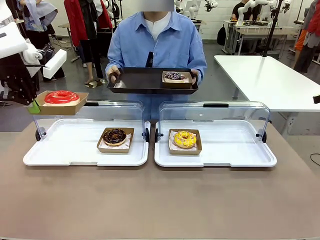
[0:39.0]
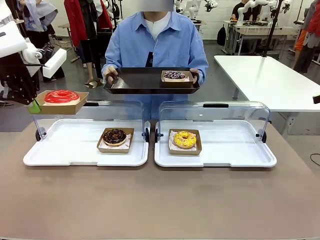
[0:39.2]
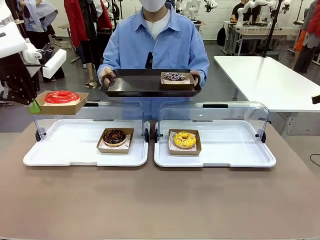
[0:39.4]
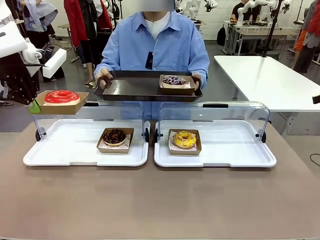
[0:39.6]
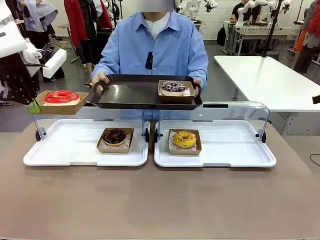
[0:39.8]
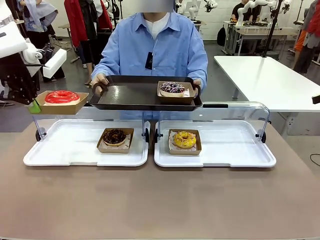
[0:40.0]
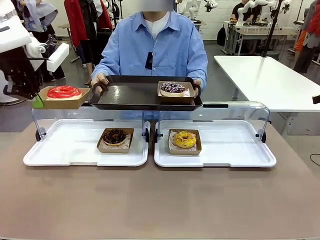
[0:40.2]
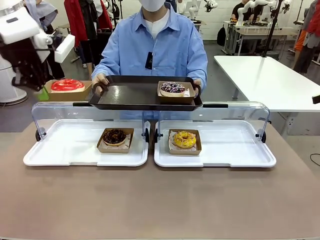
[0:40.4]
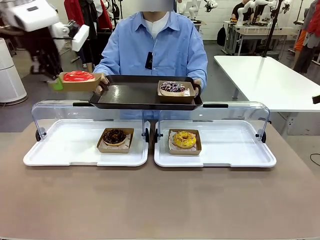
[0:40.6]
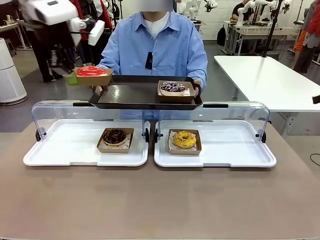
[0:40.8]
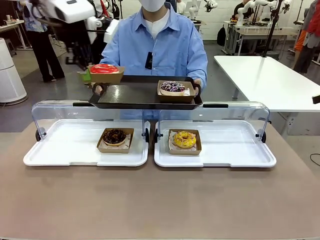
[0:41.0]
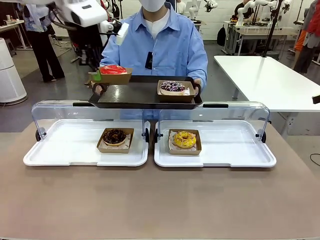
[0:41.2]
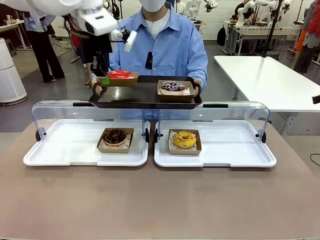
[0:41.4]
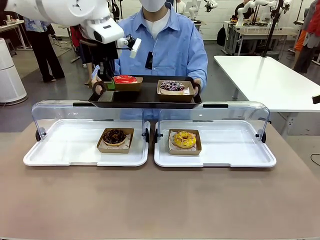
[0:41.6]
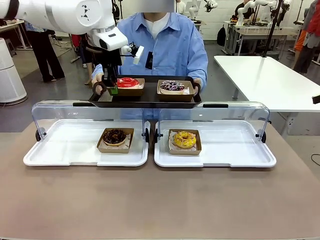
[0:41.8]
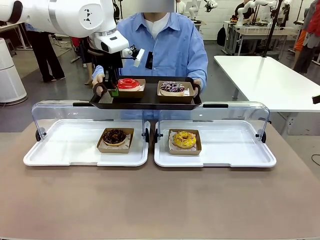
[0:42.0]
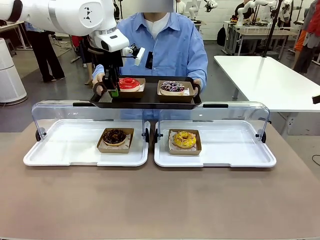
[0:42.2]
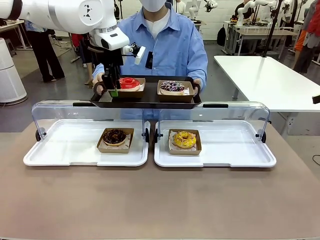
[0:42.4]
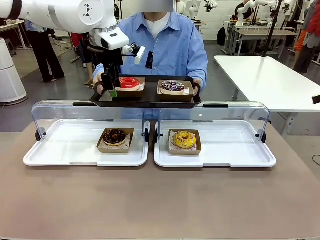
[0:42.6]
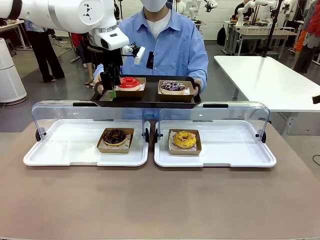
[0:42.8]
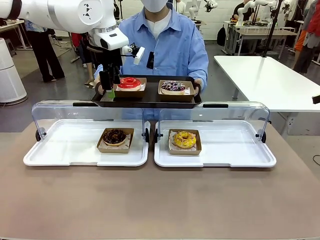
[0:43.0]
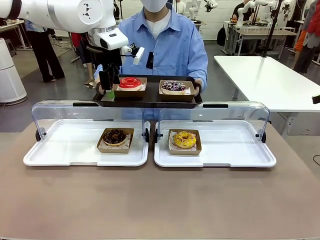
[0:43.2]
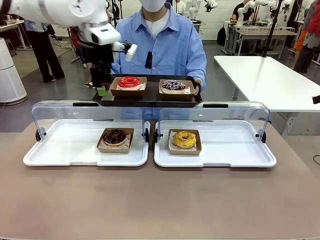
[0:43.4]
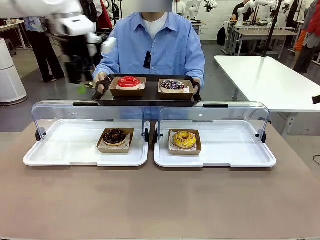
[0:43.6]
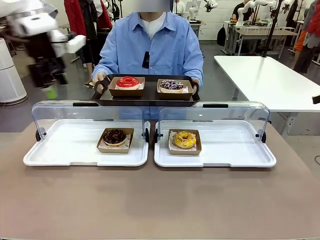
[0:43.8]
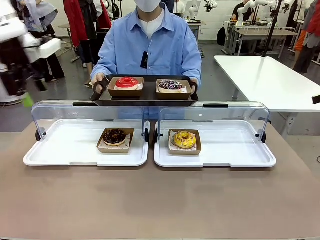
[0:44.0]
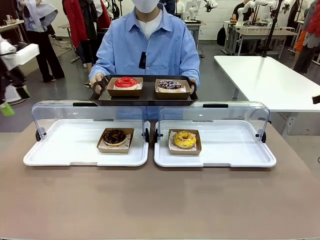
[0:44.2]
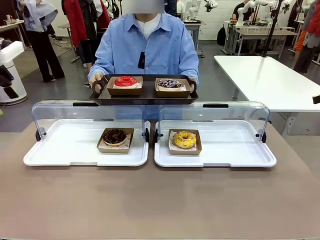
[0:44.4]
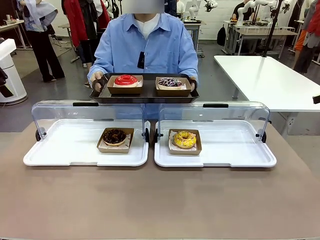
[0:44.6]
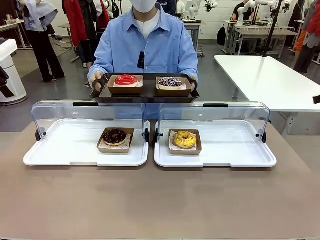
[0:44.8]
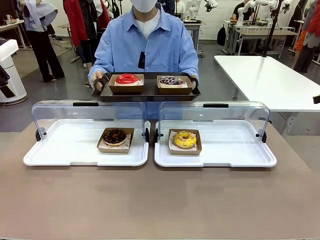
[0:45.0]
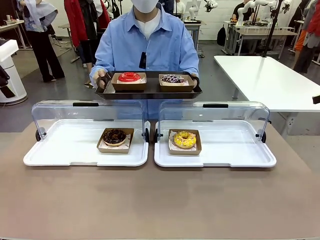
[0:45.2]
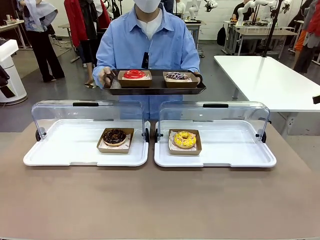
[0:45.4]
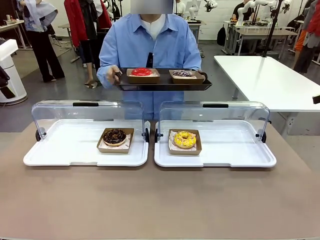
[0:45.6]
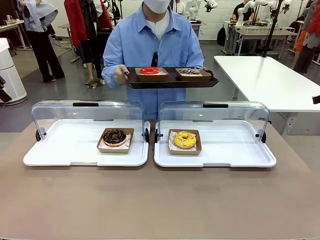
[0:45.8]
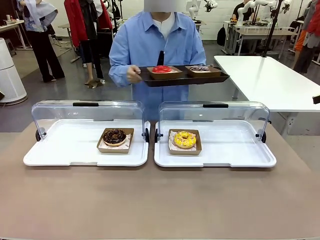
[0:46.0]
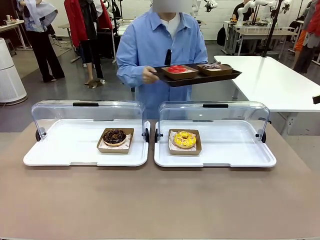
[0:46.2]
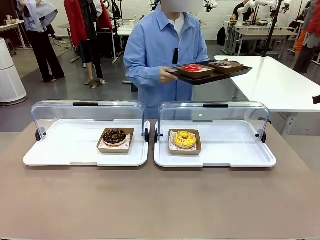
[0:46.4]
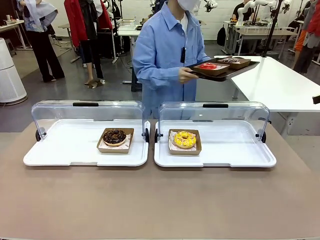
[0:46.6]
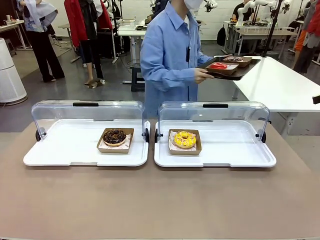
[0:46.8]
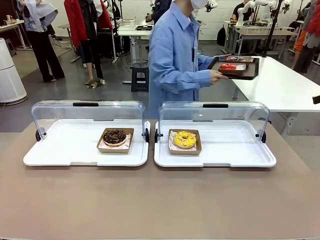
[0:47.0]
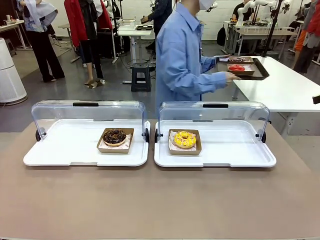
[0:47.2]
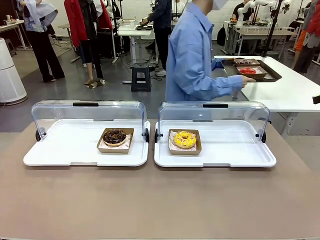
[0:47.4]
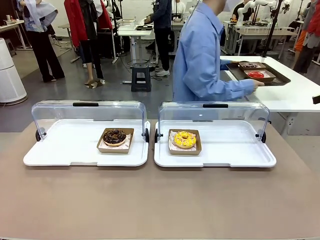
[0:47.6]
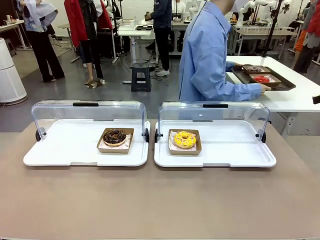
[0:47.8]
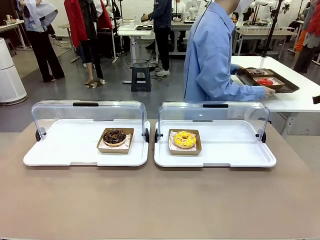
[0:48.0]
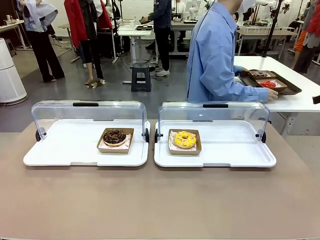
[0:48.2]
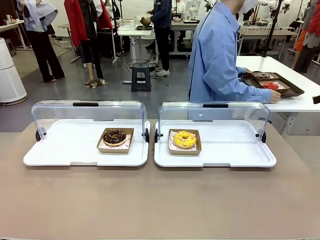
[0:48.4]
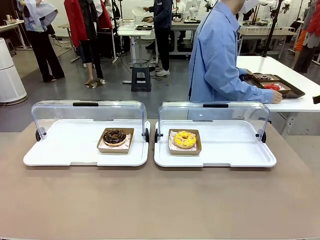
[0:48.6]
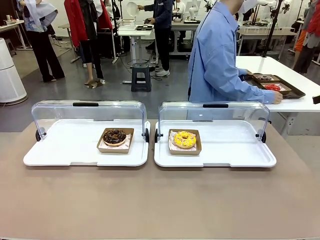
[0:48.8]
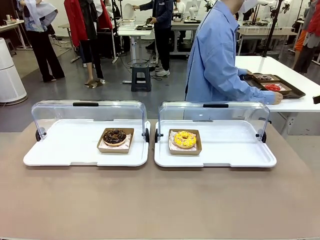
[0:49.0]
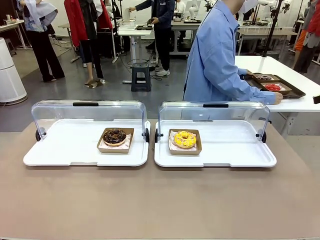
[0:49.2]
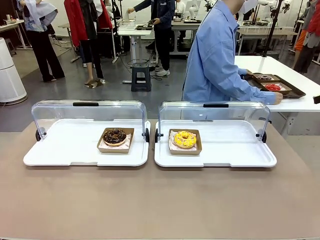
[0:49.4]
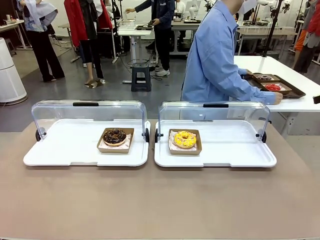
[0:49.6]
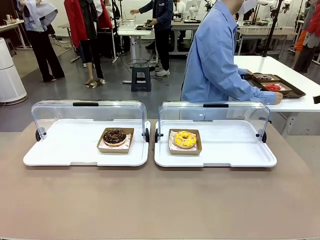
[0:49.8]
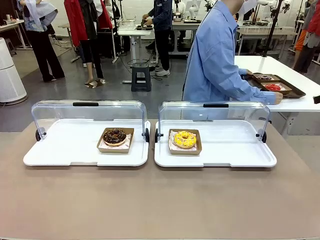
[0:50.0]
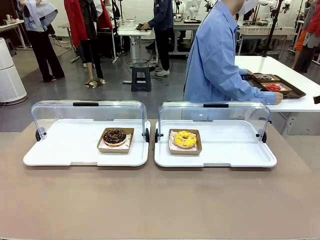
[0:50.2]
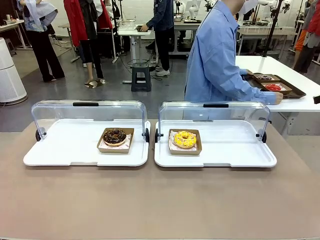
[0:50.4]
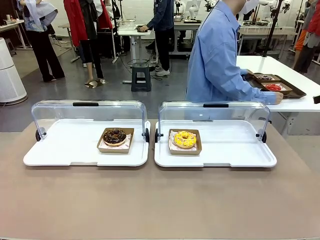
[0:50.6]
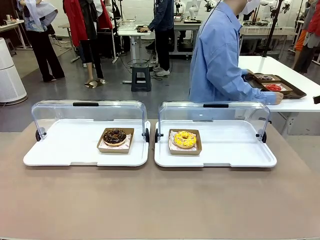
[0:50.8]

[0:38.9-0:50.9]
Task: Provide the desired donut to the person.
Robot: Place the picked Paper togo box onto the Handle tray extended by the person.
Person: Place the tray in the middle of the human table.

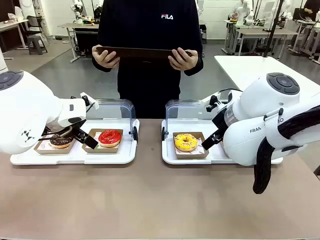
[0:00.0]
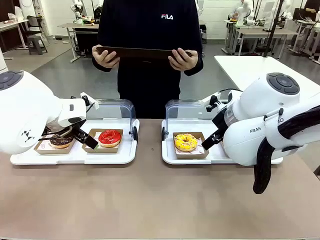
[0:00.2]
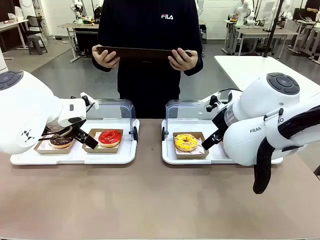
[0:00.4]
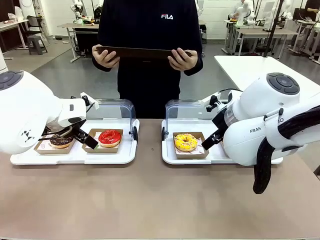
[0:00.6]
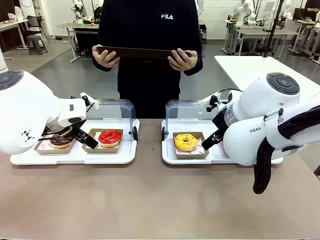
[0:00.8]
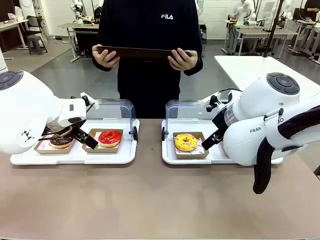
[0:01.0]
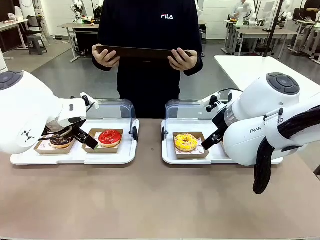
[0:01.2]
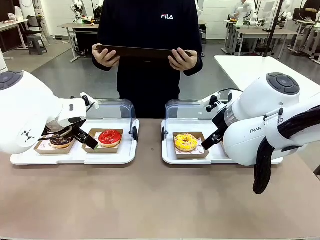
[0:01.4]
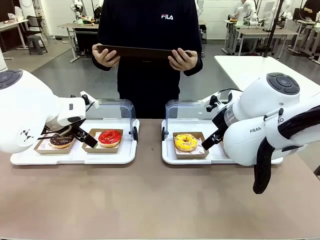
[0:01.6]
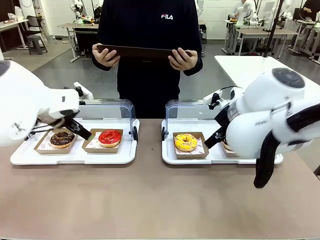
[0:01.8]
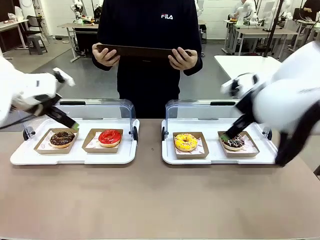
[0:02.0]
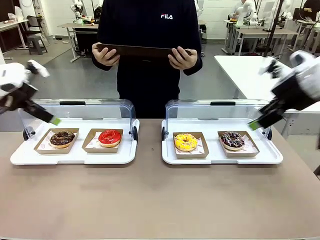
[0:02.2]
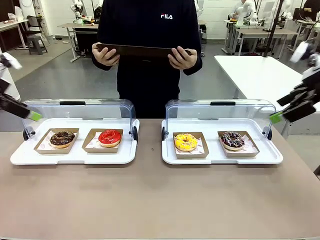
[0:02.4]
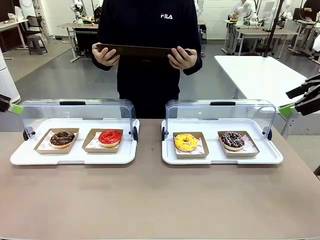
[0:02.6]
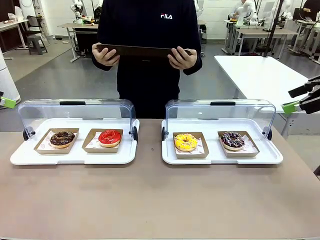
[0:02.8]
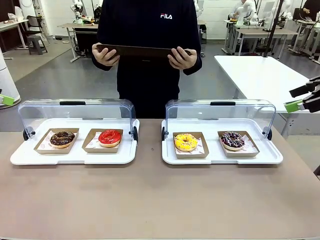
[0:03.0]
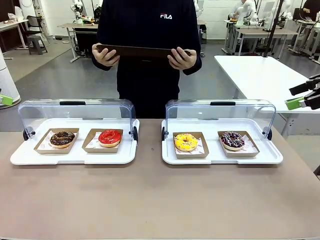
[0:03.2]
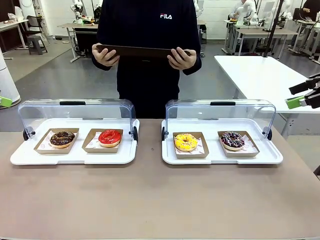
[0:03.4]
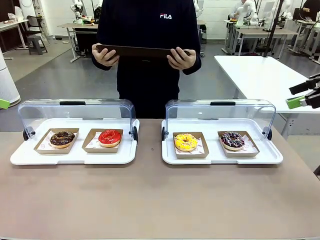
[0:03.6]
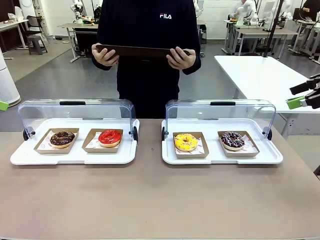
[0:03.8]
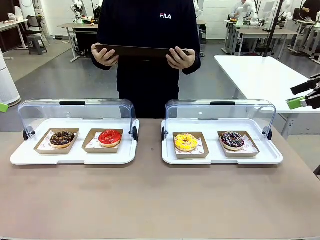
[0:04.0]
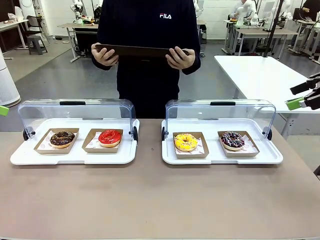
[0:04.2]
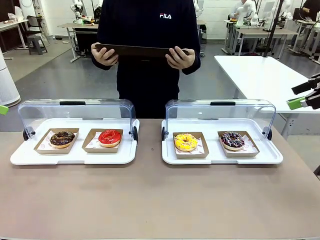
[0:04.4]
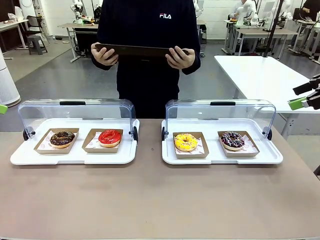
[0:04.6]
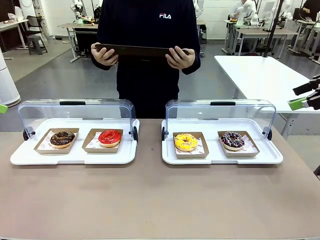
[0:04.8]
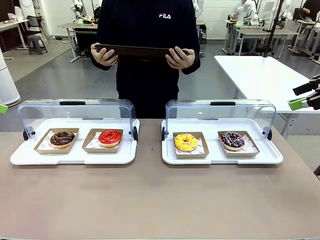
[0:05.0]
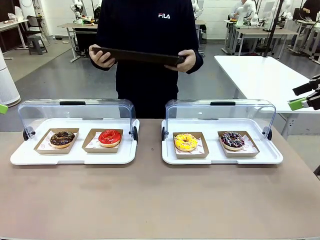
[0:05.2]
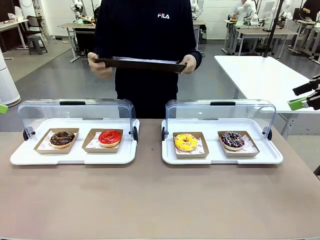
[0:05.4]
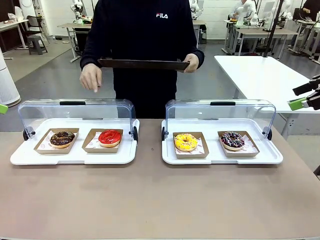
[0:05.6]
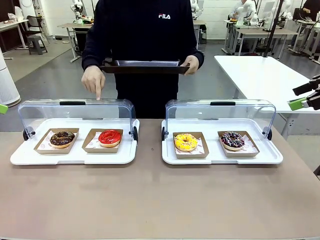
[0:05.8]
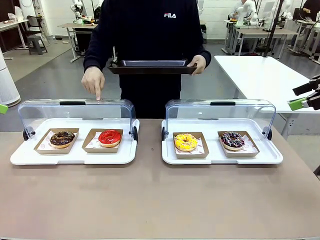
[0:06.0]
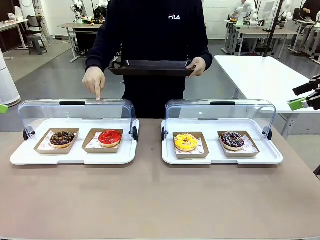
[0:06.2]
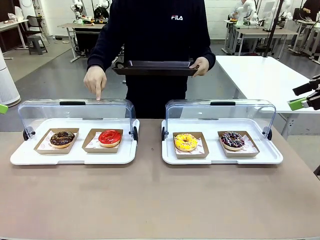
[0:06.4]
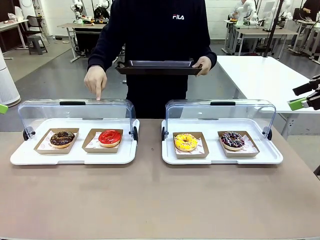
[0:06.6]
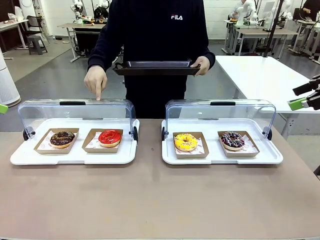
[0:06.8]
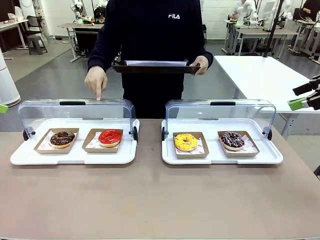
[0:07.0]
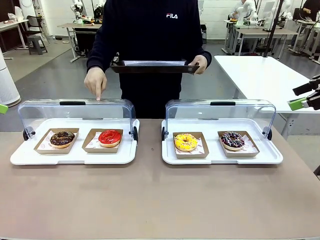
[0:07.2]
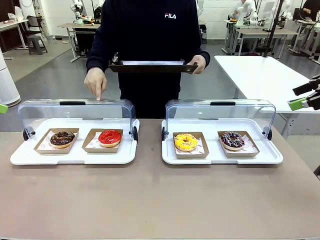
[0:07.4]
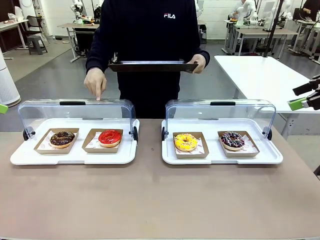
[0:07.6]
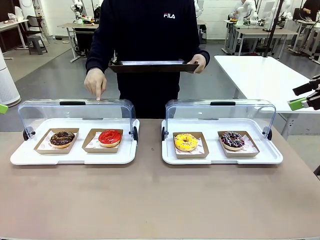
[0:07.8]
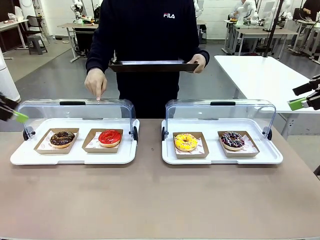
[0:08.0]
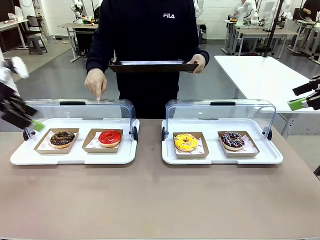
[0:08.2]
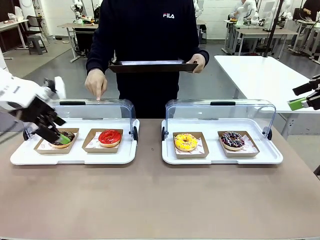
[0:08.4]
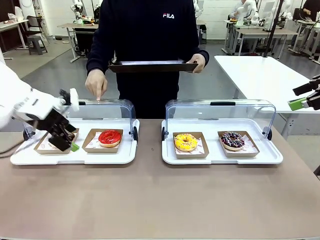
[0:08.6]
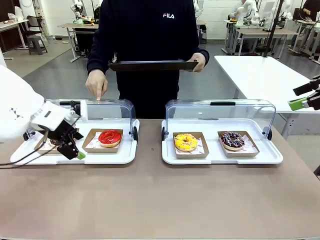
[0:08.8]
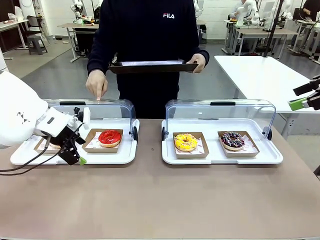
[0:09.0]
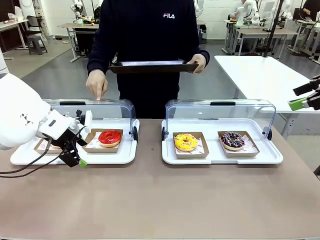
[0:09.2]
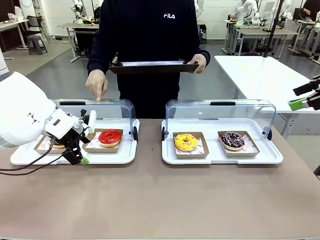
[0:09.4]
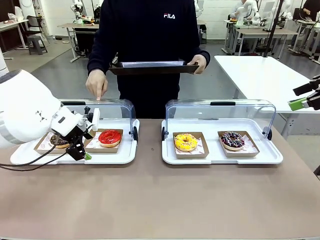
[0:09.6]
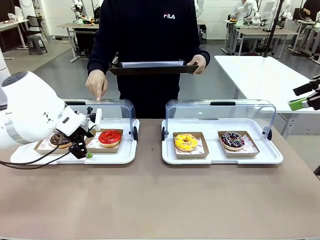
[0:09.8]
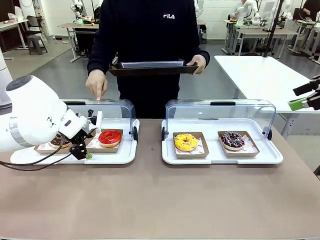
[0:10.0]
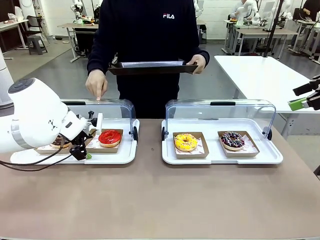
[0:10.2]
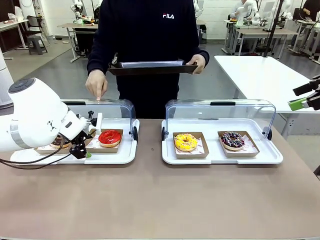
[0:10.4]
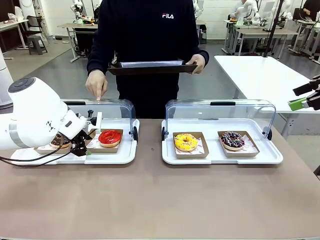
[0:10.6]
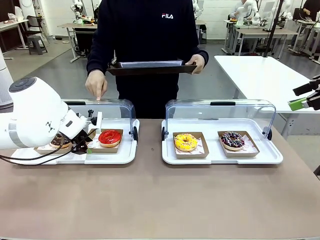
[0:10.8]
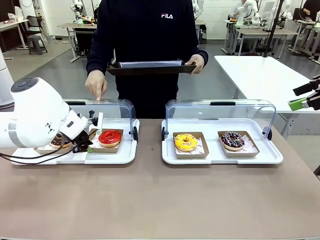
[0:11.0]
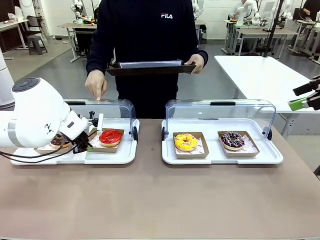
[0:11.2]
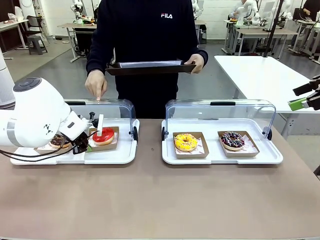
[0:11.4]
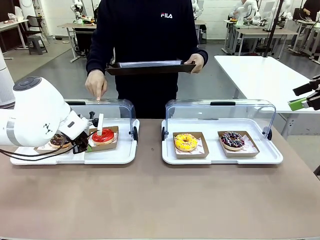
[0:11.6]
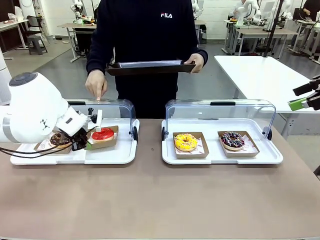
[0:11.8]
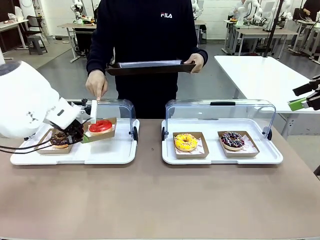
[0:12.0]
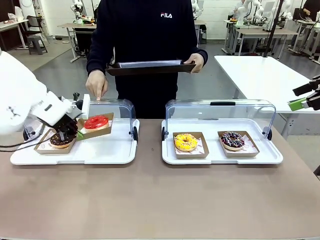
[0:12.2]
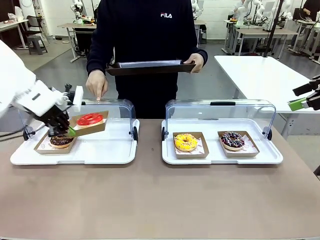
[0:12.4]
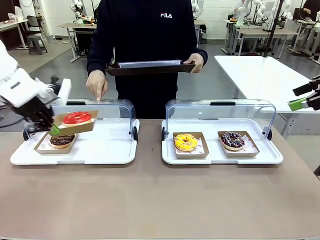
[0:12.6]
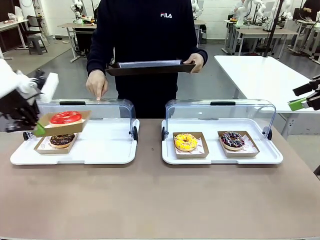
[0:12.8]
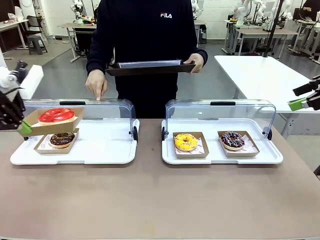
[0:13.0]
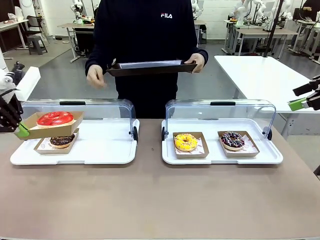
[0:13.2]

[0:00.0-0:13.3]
Task: Provide the desired donut to the person.
Robot: Pick up and lift the Paper togo box containing the Donut pointed at by the person.
Person: Point to one donut. Lift the tray onto the Roll-Top Bakery Case.
